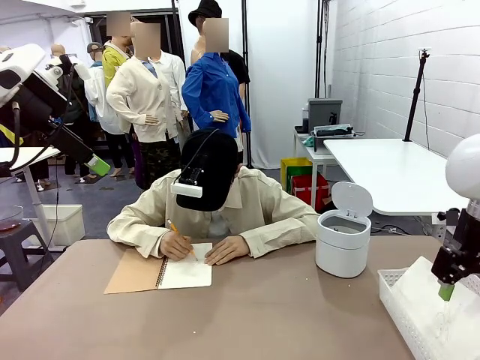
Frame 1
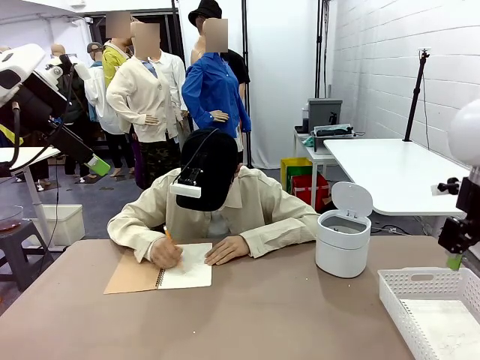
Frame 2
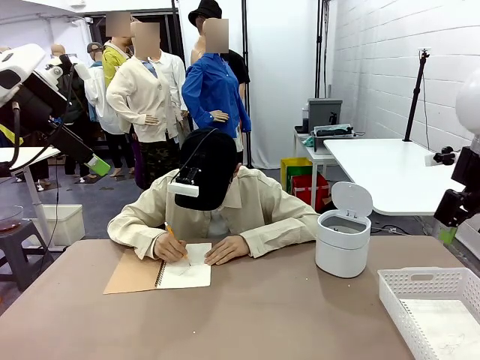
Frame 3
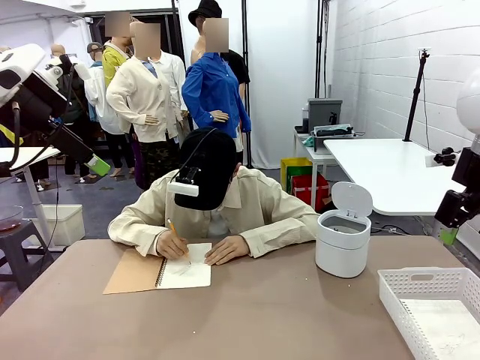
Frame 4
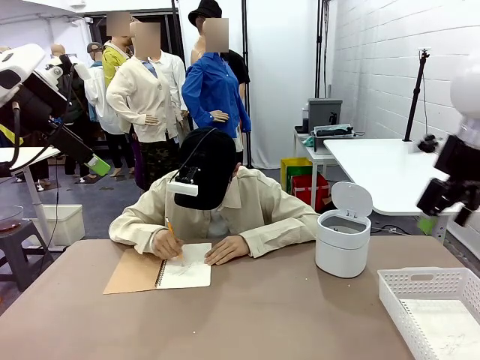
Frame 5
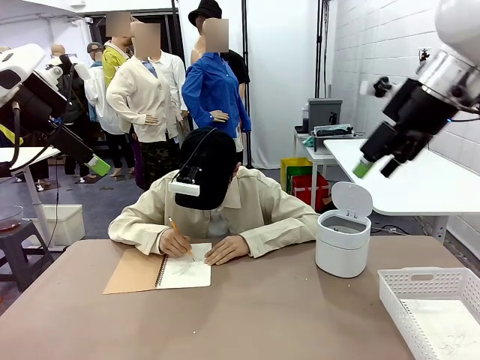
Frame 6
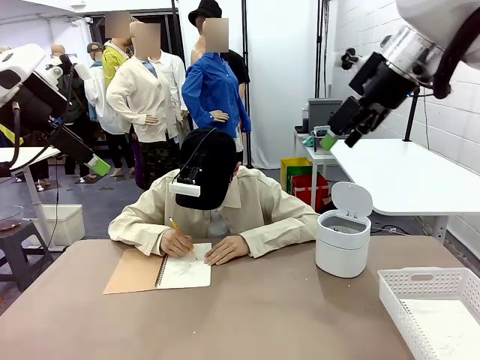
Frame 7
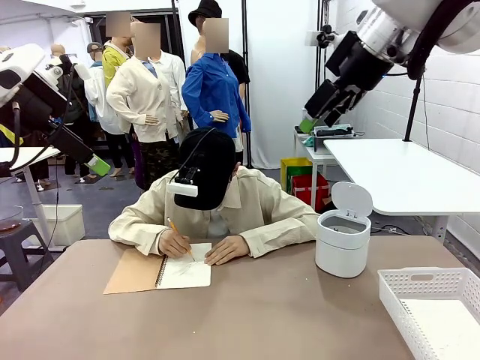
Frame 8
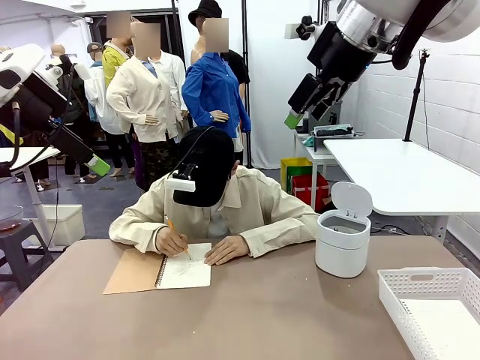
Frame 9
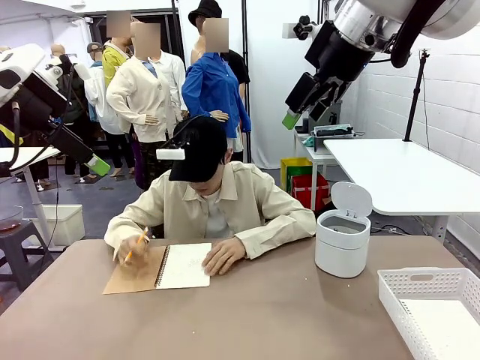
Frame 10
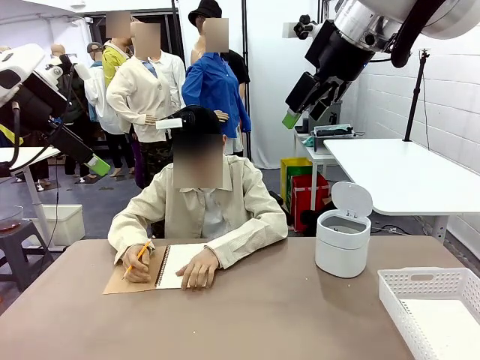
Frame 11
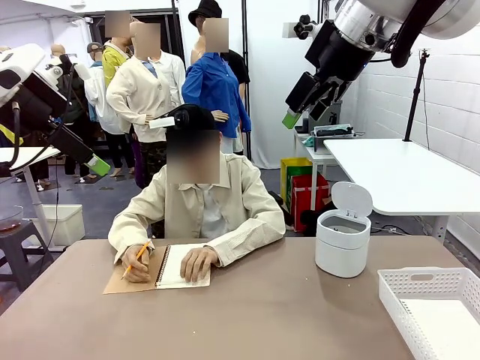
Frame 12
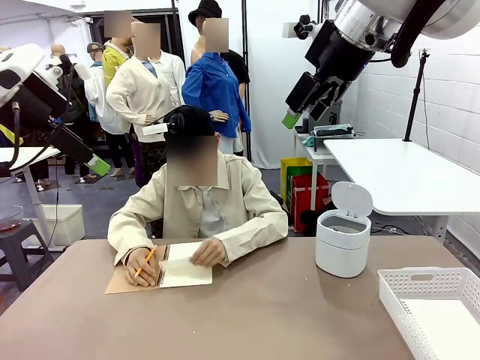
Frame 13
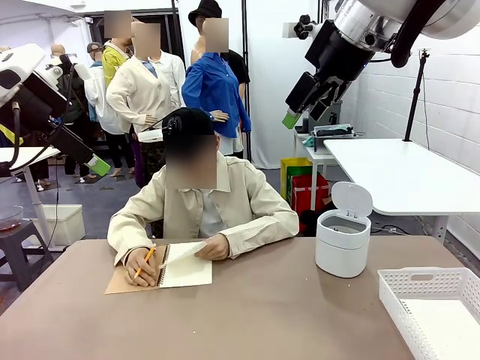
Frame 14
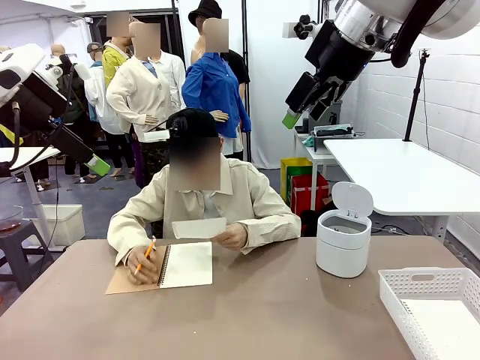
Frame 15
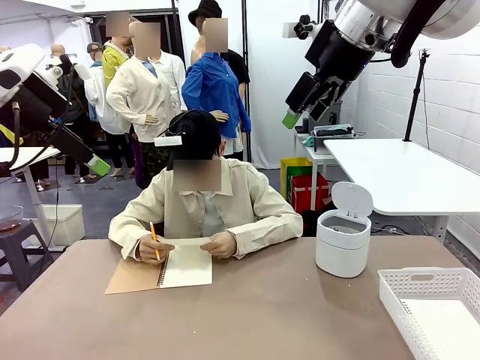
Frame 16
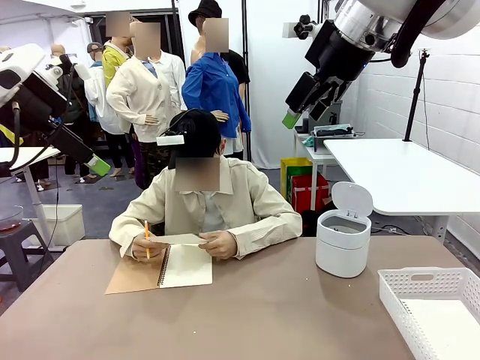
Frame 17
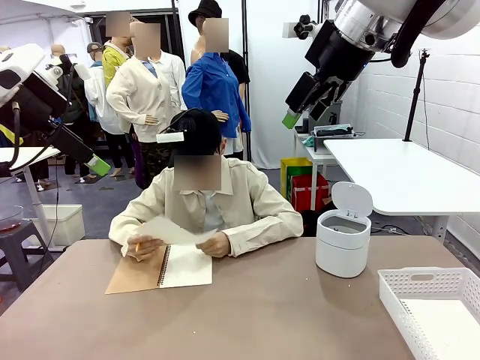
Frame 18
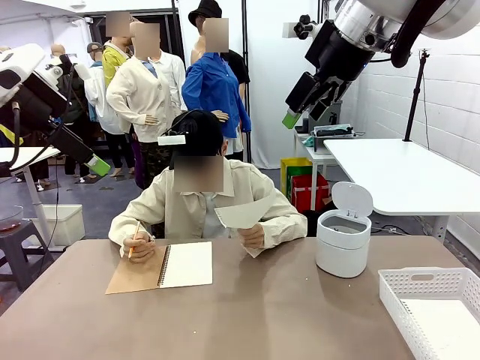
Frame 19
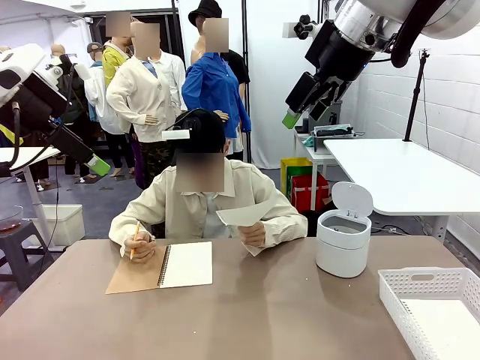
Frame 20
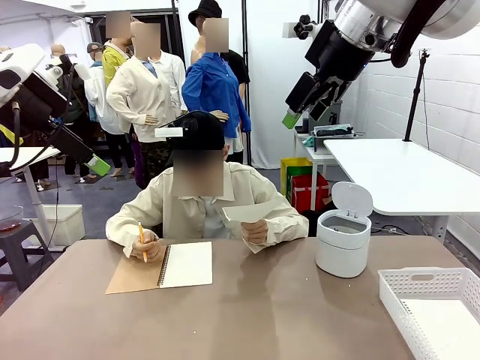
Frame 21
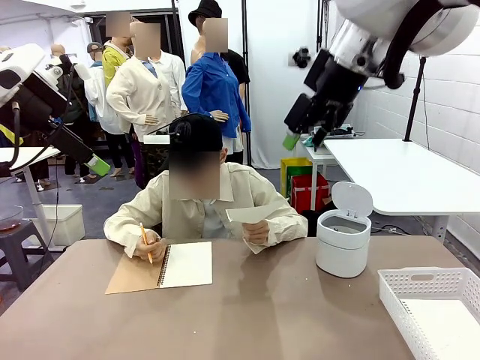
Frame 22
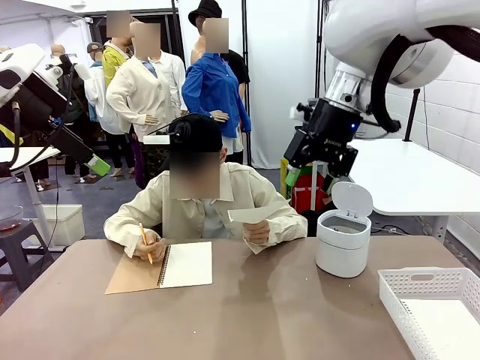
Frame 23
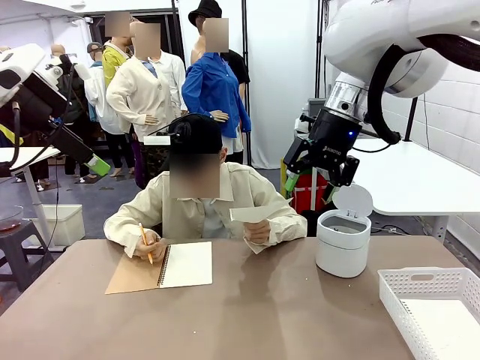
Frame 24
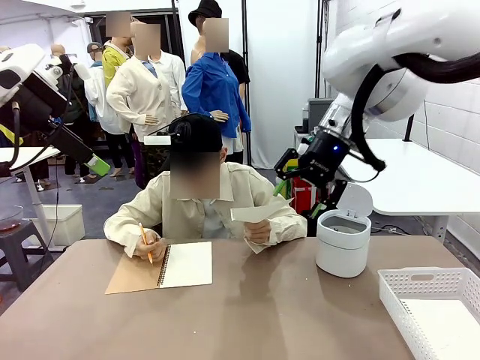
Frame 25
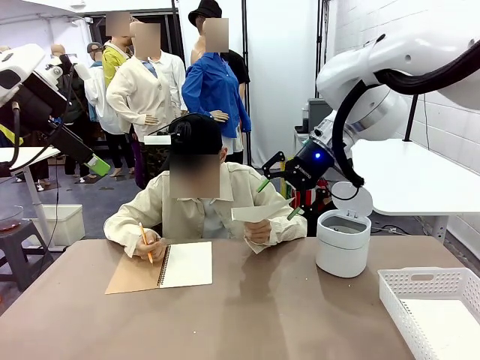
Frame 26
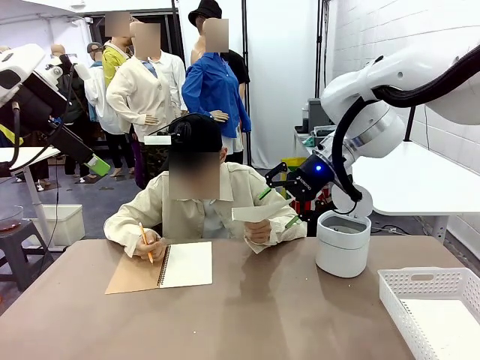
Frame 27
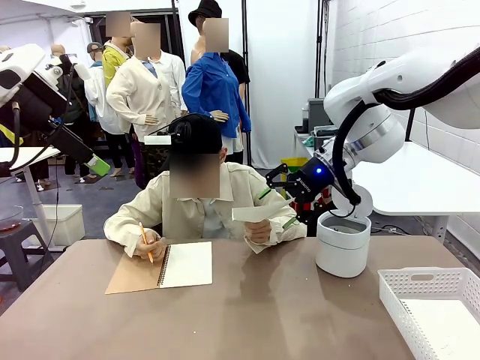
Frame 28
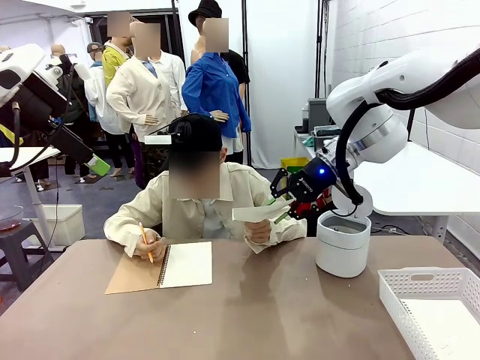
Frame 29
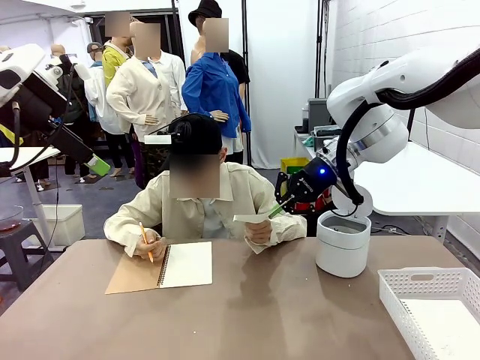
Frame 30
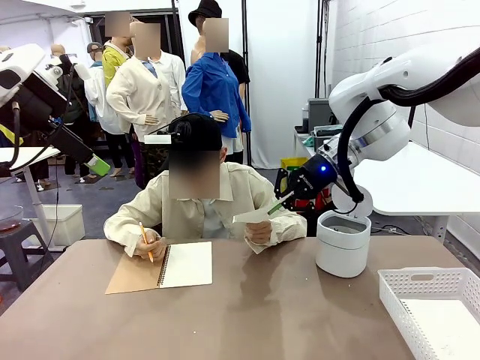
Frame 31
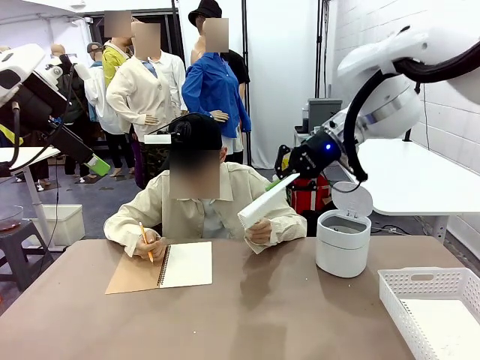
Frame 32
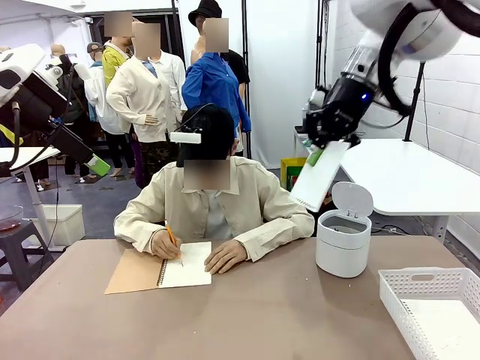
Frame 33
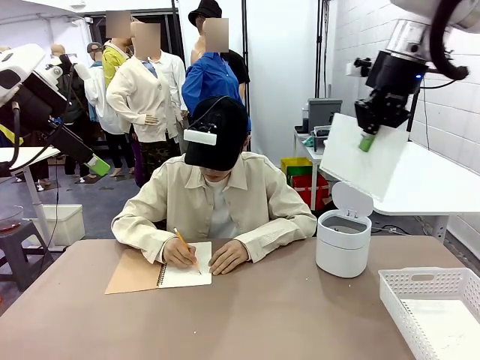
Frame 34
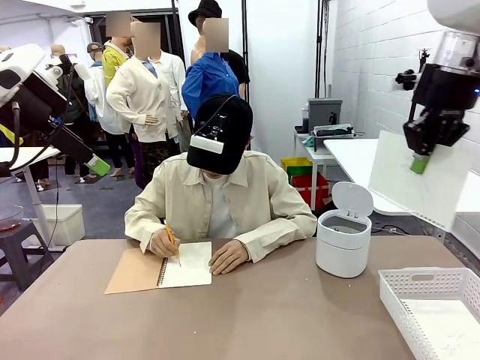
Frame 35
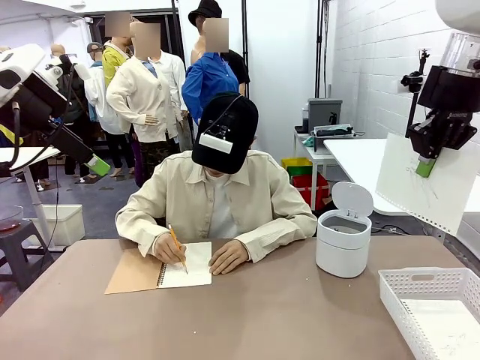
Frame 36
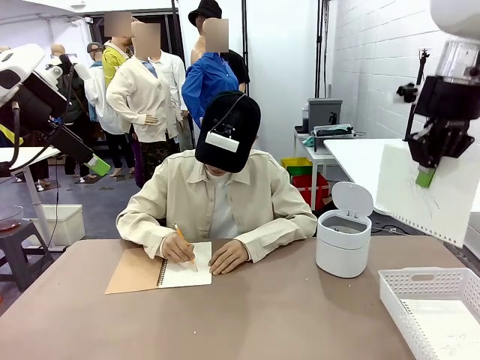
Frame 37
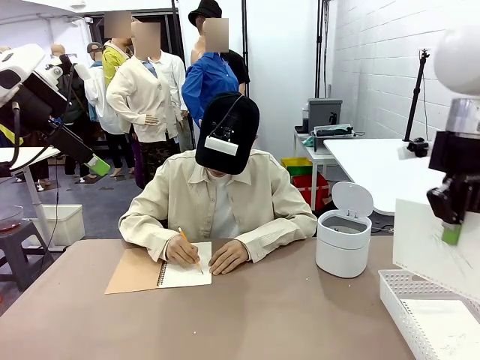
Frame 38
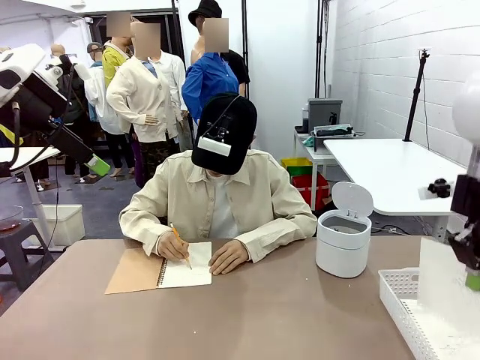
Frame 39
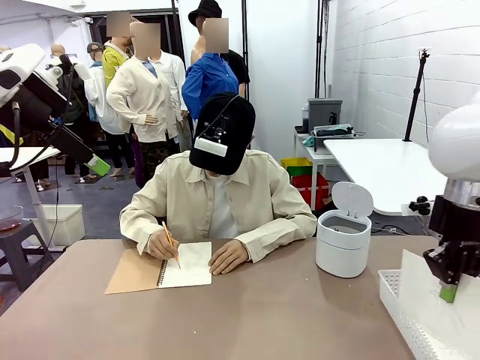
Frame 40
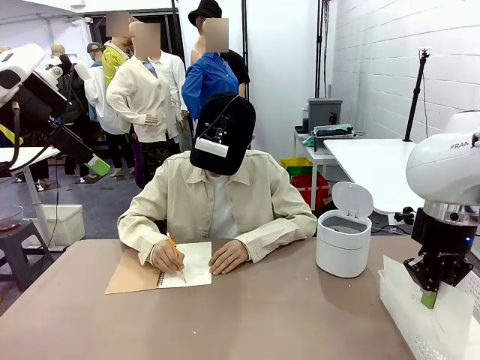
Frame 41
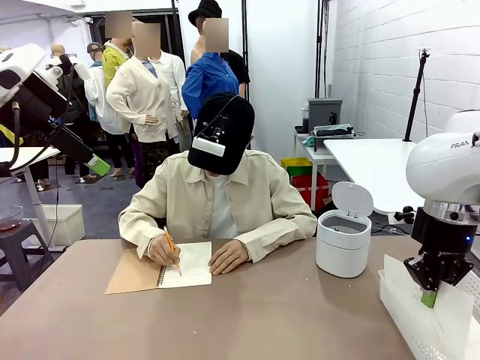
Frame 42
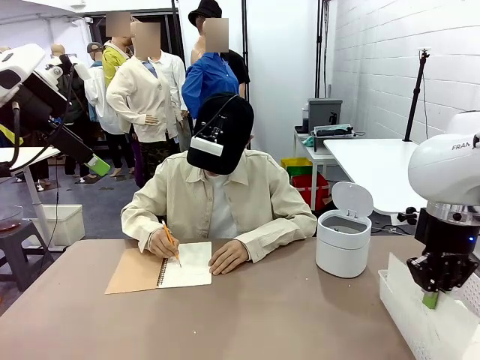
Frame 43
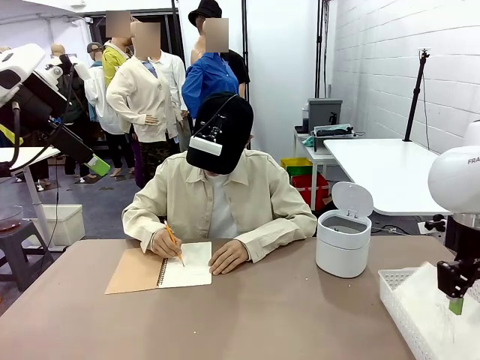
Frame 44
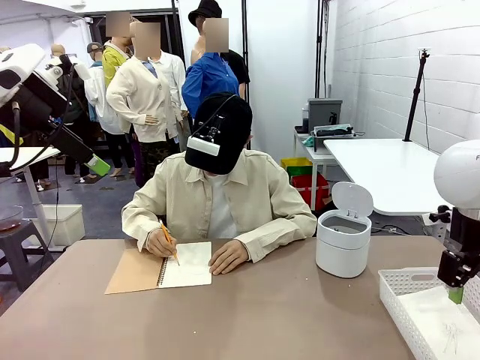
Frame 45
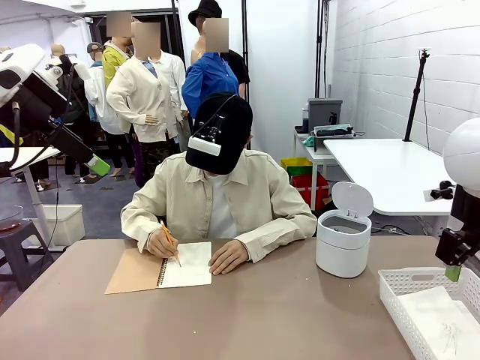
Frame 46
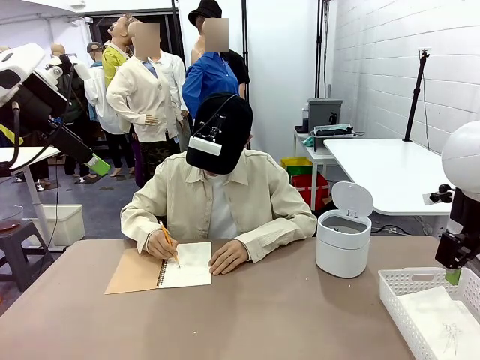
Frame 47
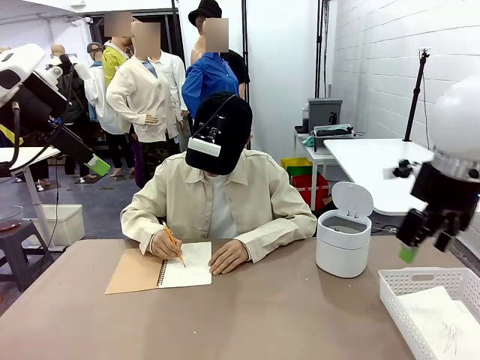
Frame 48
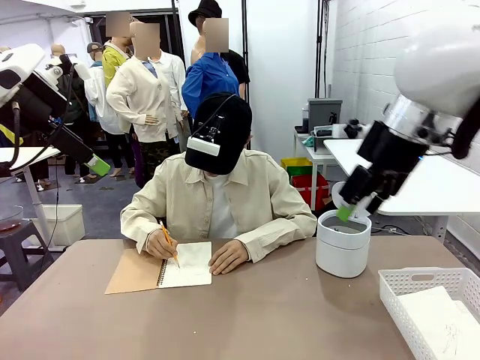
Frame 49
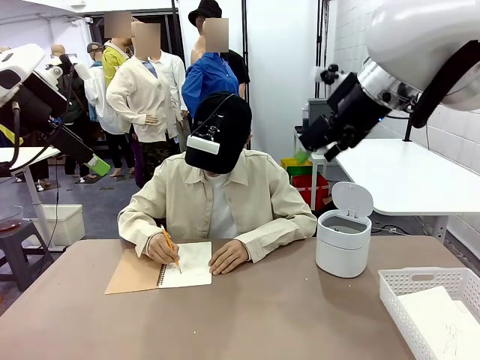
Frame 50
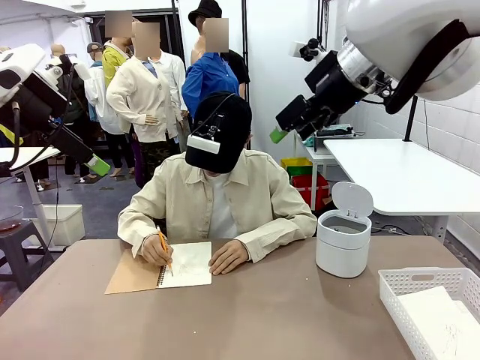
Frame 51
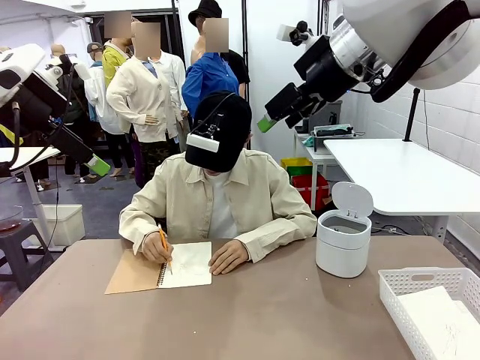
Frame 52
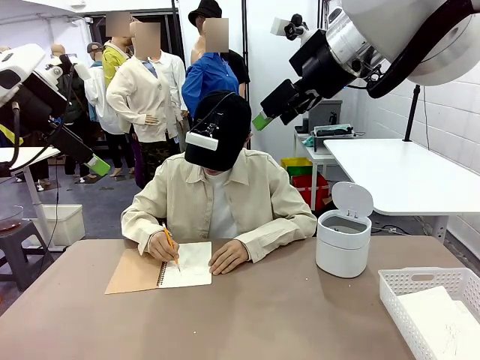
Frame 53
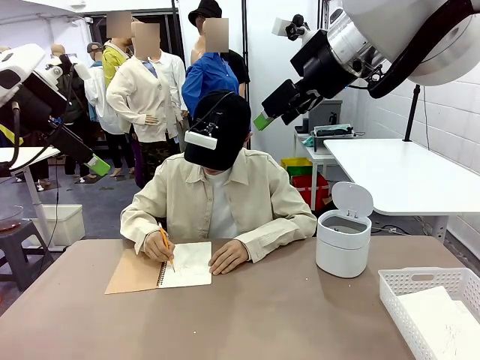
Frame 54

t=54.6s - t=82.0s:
Task: Sort the paper based on its condition.
Robot: If a person hands you a paper, place it in the Organizing basket , and if it's crumpled, put it in the Trash can.
Person: Hand the torn page to the robot or crumple it and throw it to the center of the table.
